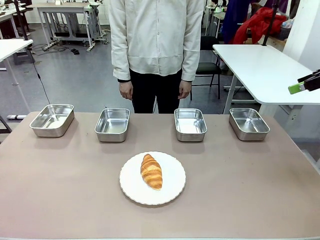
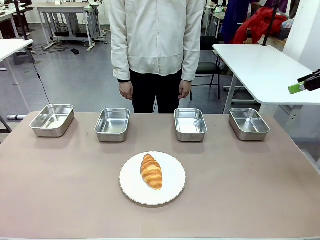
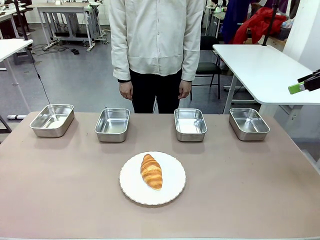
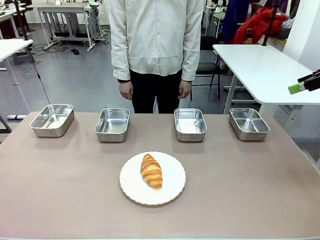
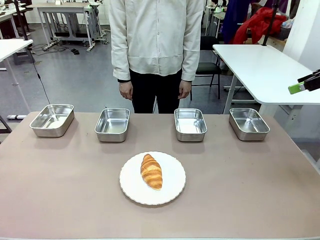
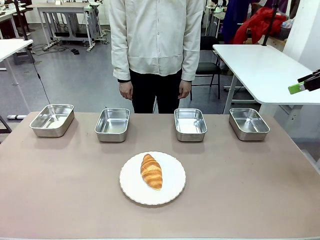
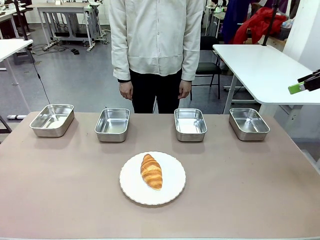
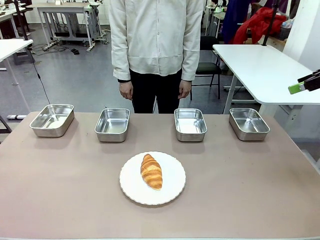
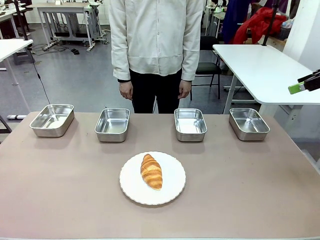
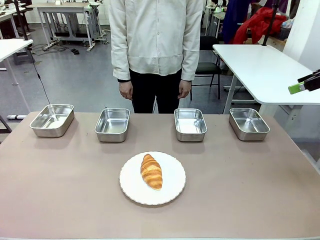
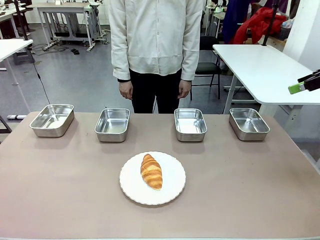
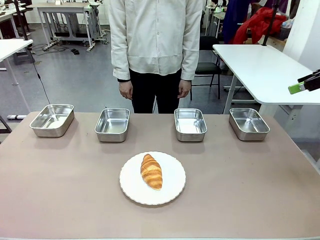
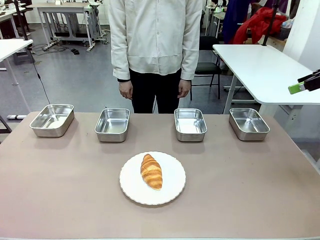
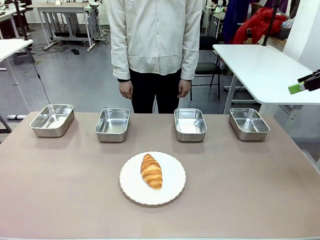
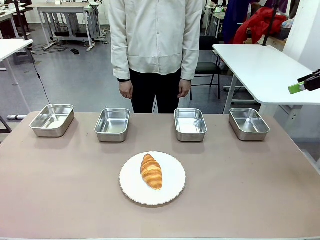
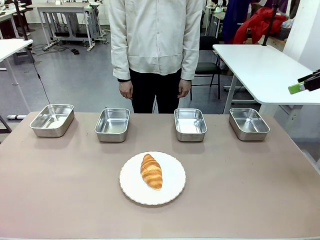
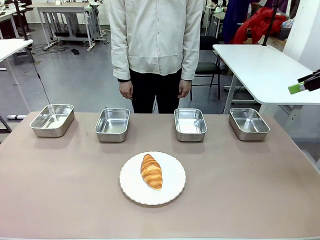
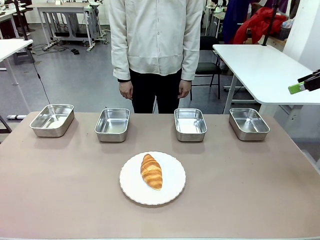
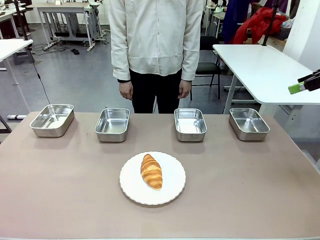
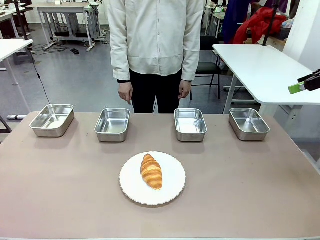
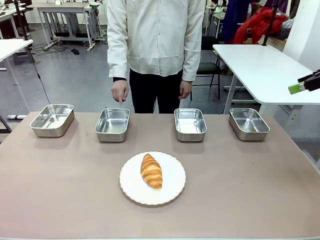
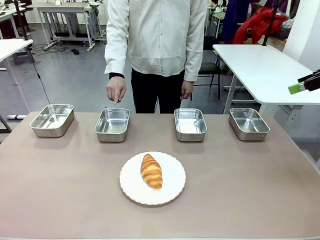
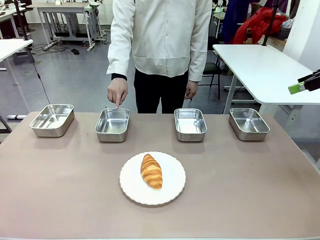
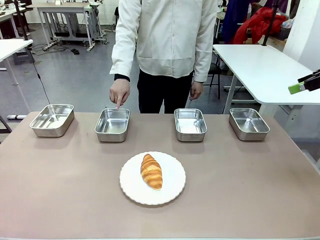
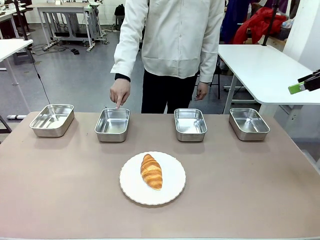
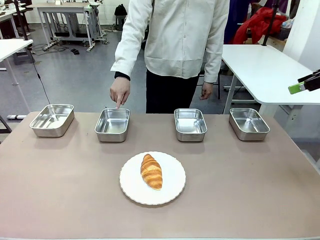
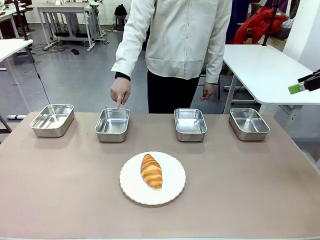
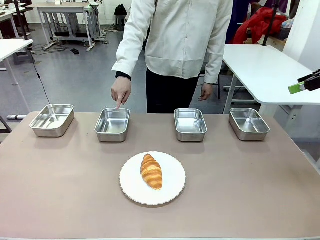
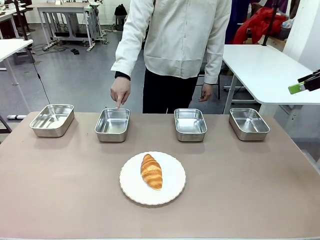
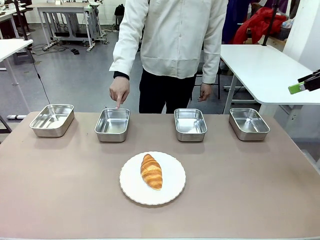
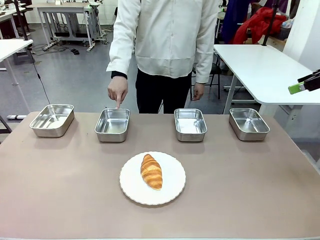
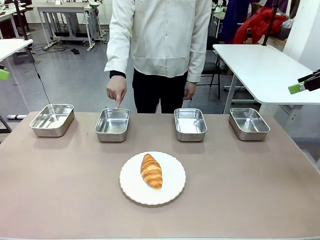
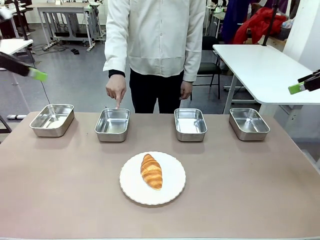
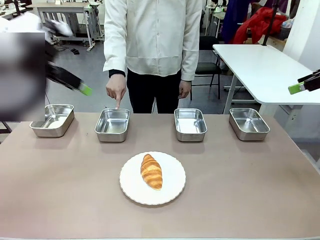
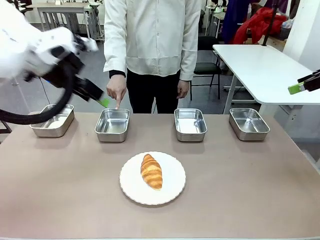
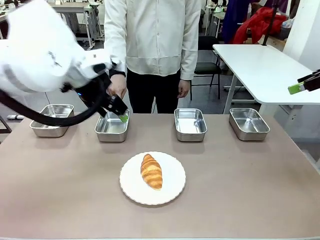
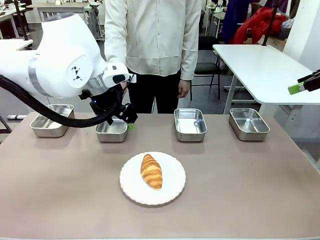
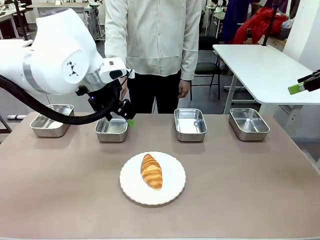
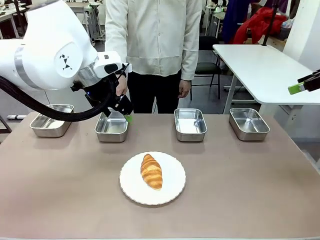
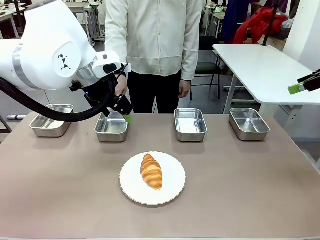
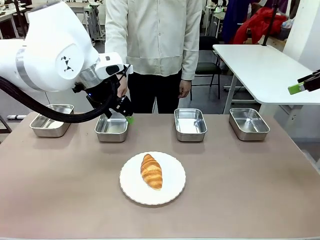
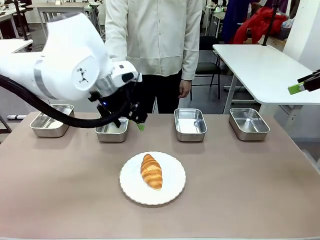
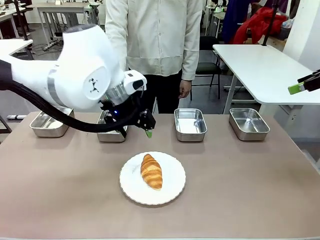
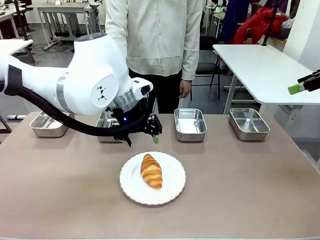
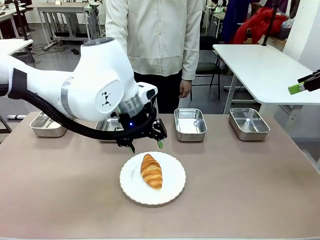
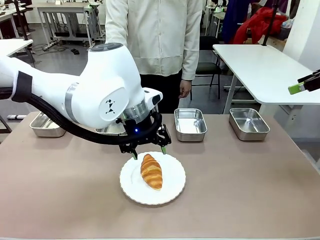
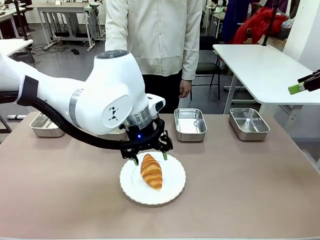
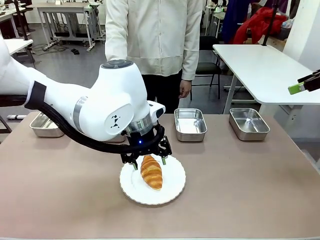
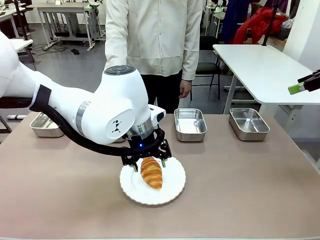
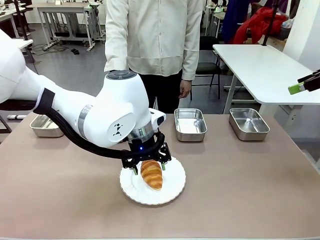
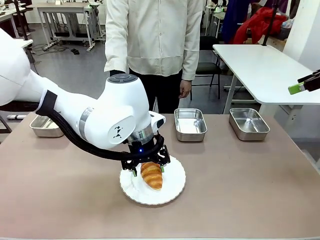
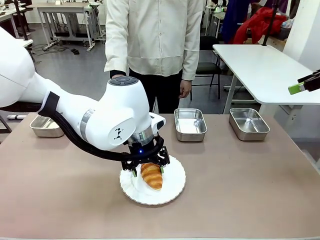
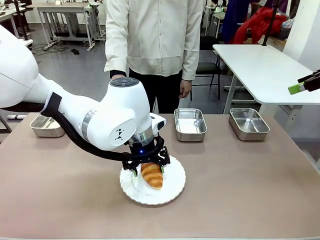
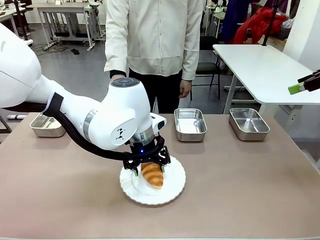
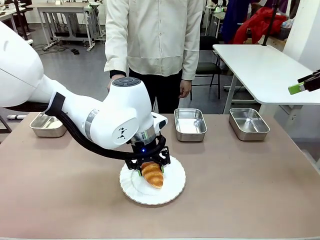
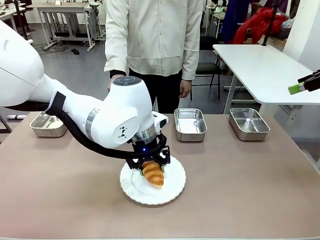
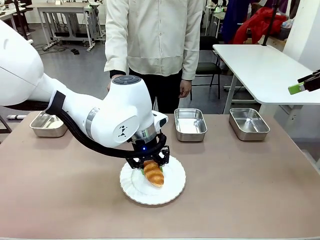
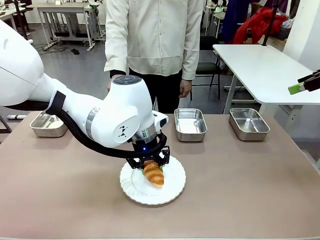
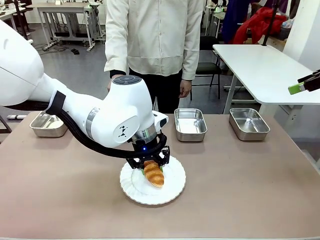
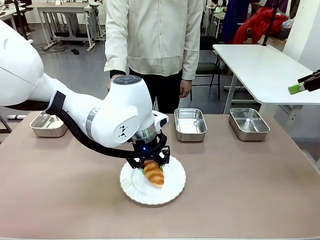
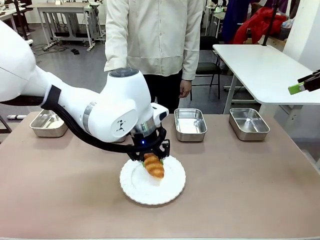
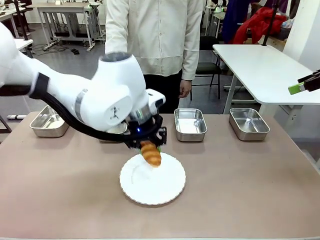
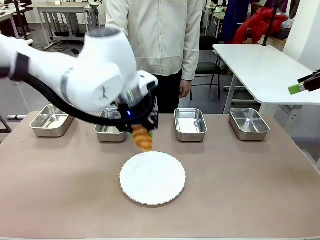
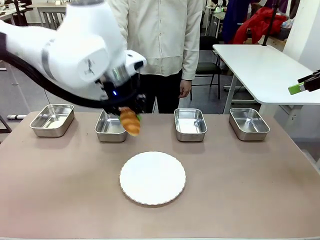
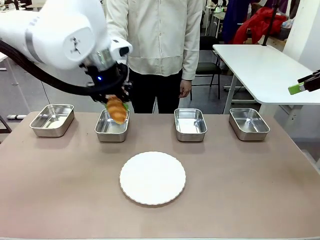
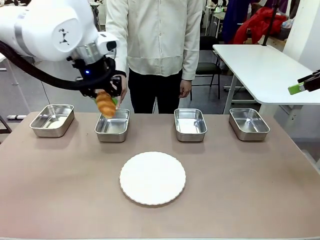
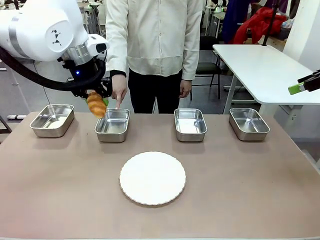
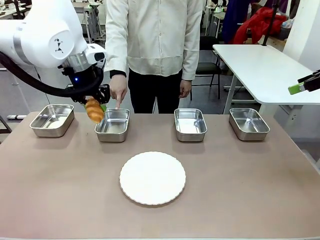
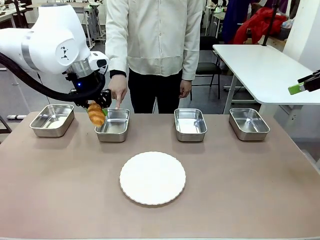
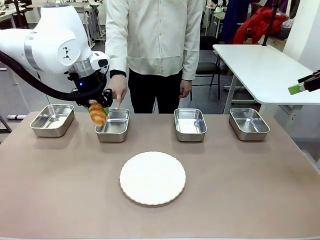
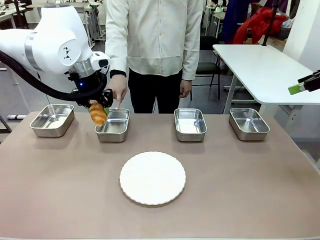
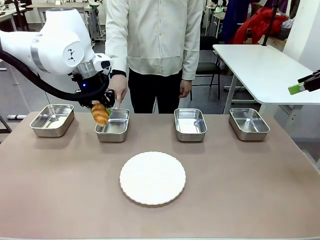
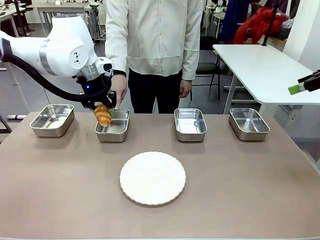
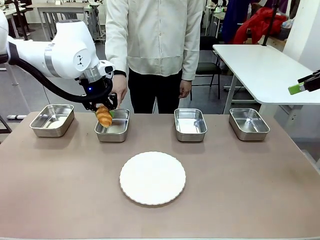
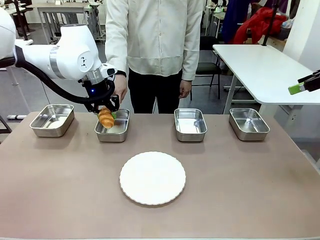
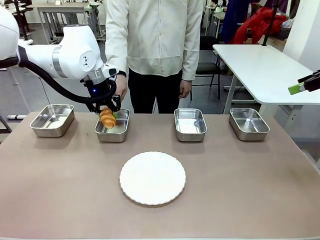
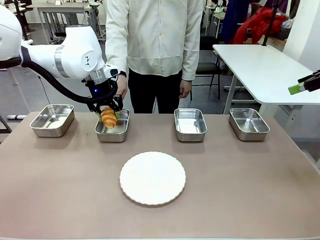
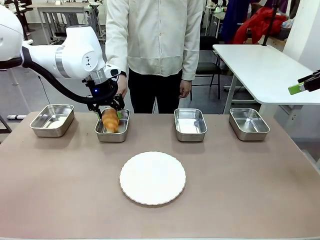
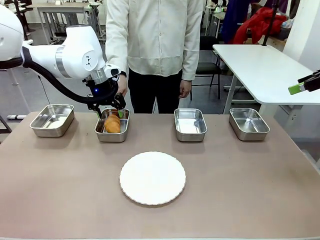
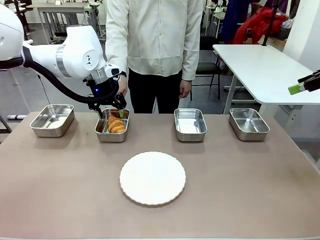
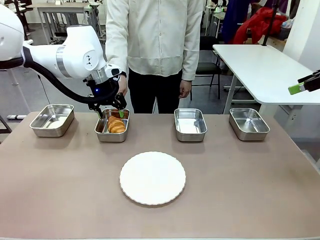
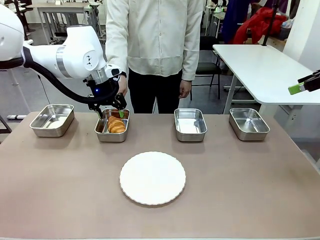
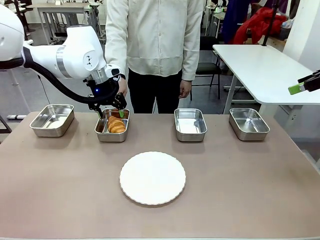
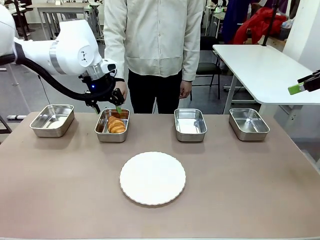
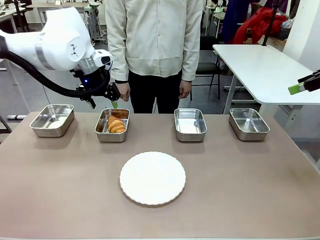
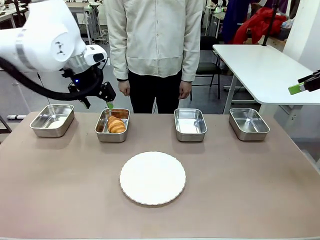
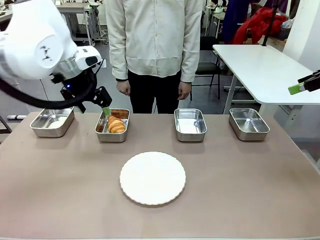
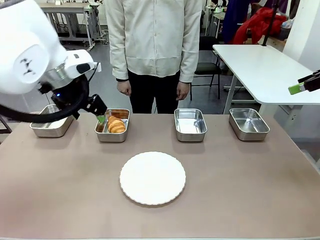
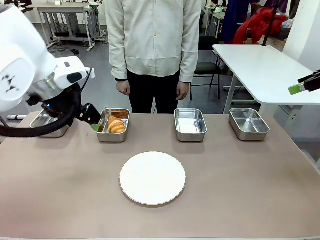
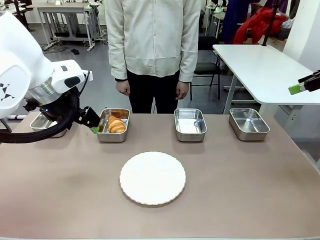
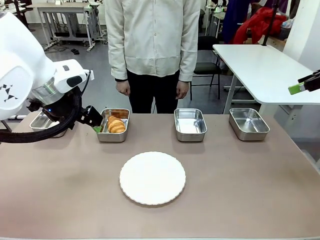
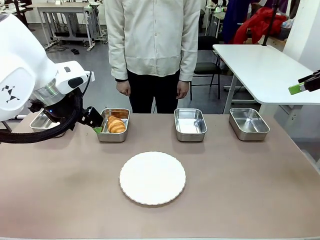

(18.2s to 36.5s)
Task: Place the bread in the container.
Robot: Place the Butter Roll into the Airtight Container indicated by the human.
Person: A person randomly selects and points to an Airtight Container.
